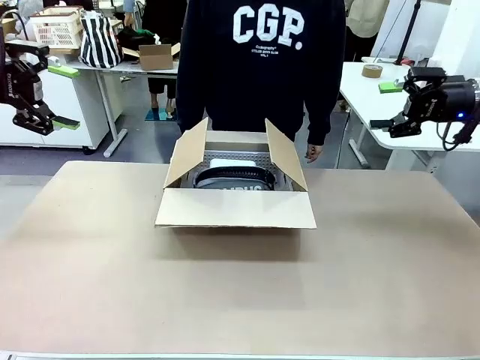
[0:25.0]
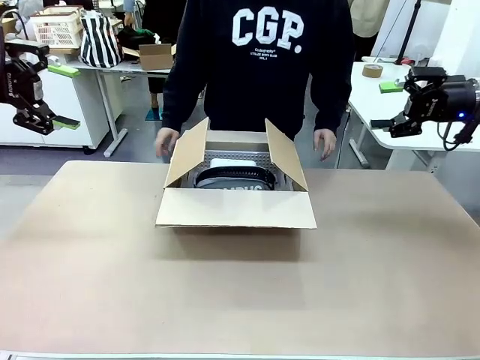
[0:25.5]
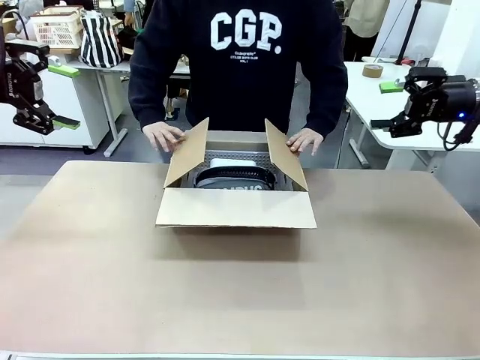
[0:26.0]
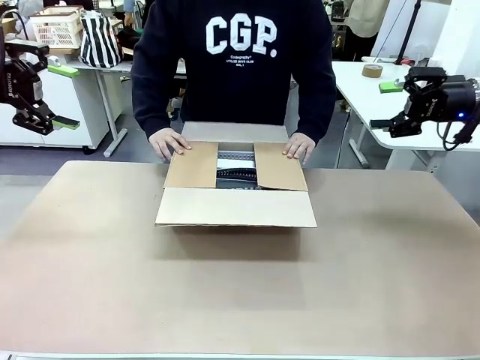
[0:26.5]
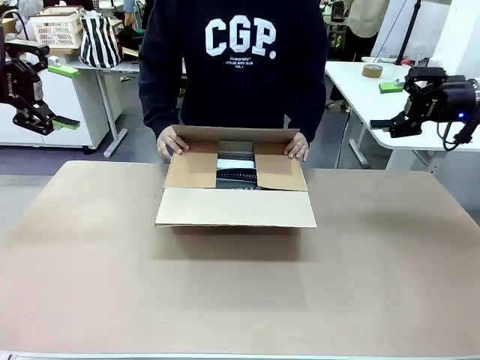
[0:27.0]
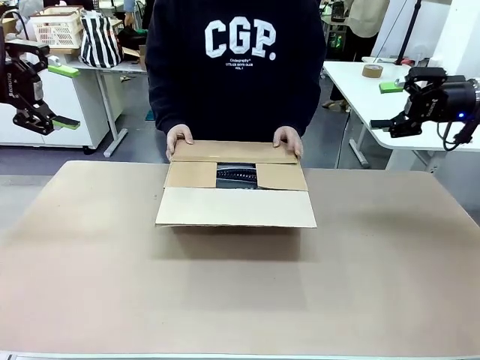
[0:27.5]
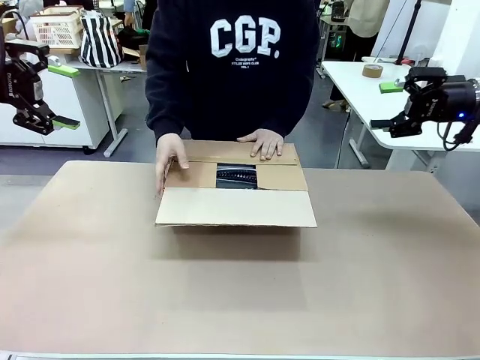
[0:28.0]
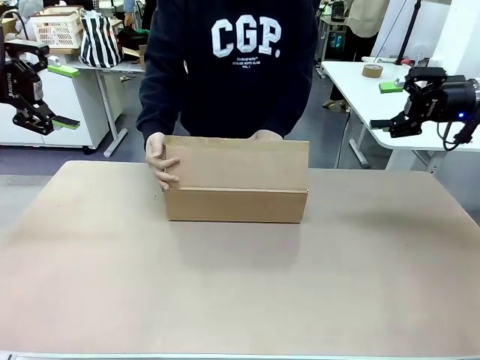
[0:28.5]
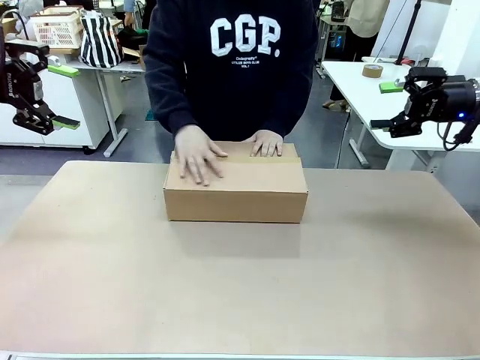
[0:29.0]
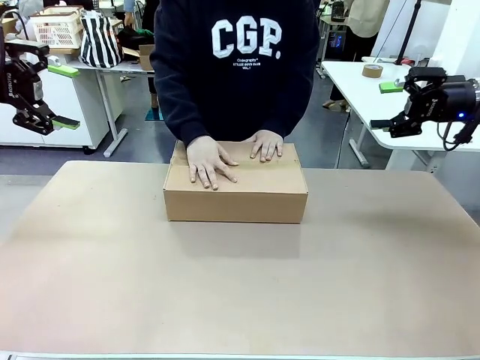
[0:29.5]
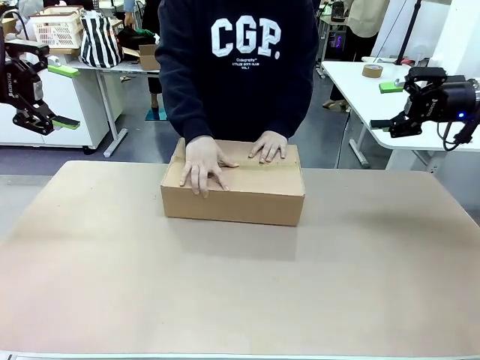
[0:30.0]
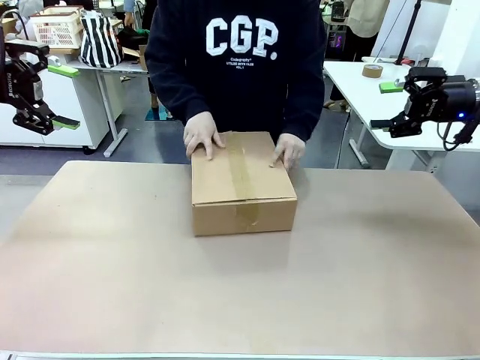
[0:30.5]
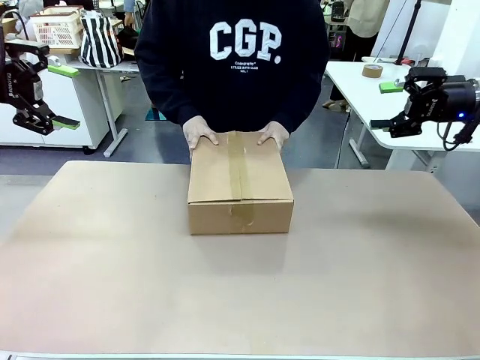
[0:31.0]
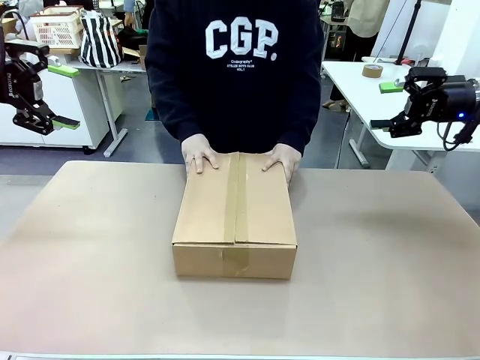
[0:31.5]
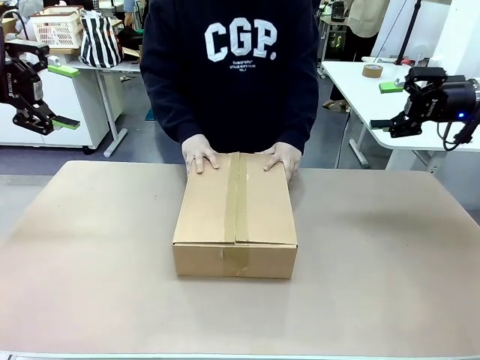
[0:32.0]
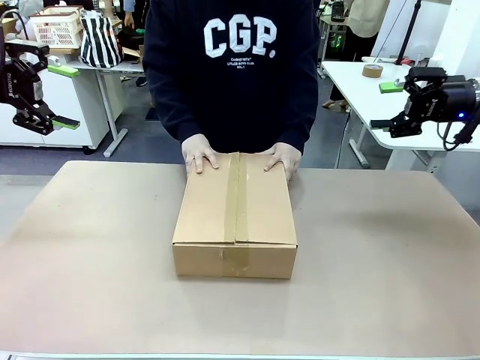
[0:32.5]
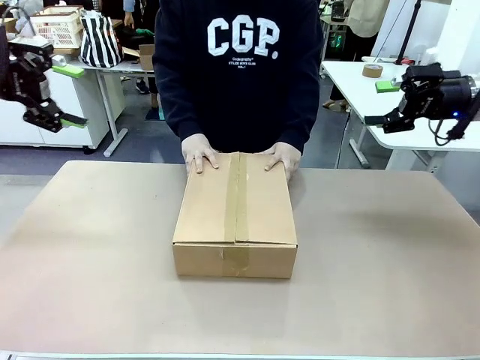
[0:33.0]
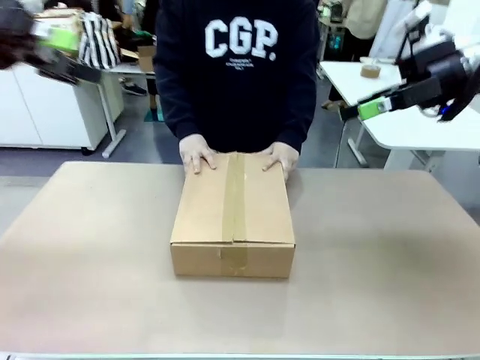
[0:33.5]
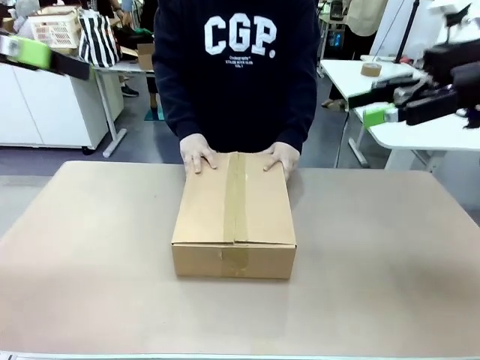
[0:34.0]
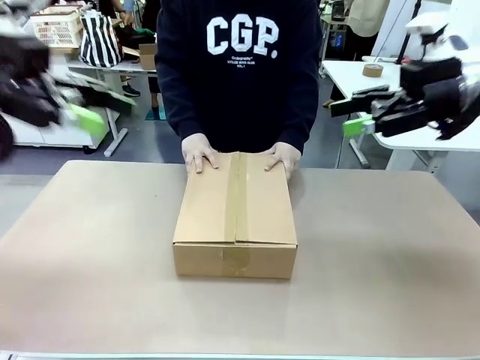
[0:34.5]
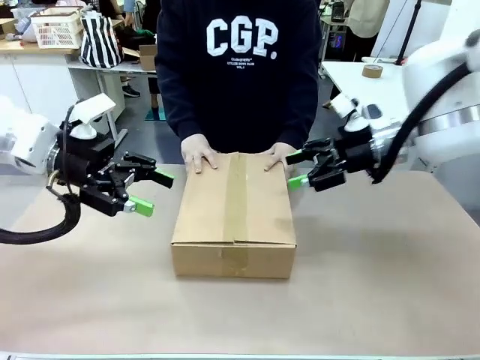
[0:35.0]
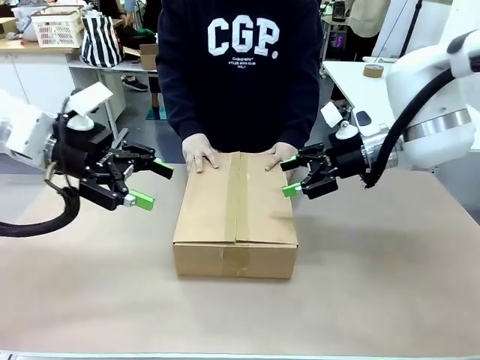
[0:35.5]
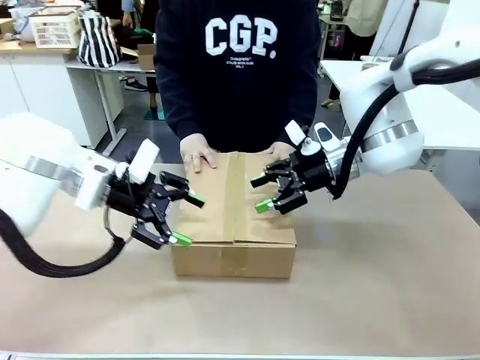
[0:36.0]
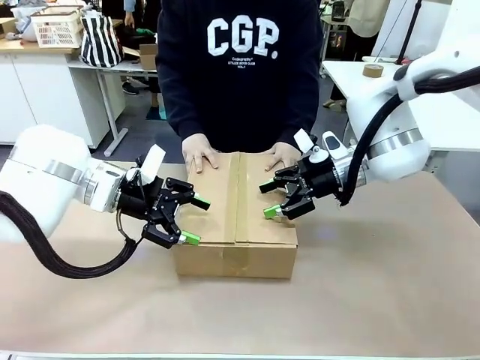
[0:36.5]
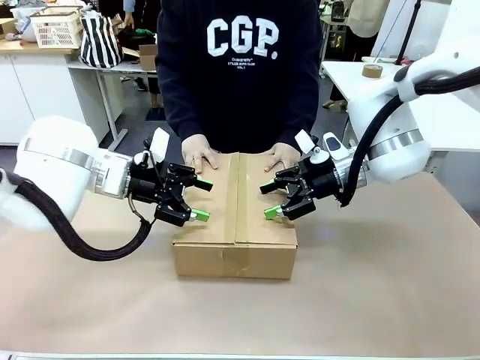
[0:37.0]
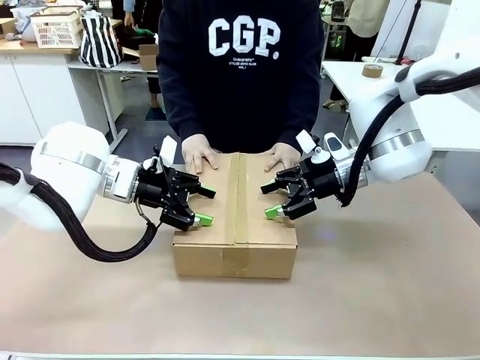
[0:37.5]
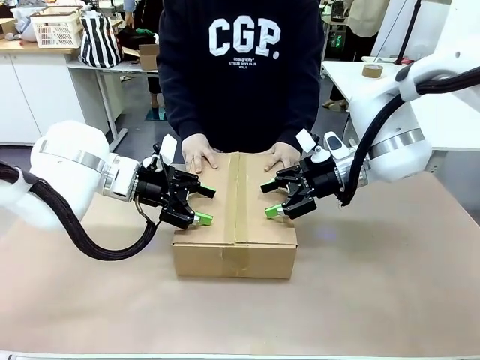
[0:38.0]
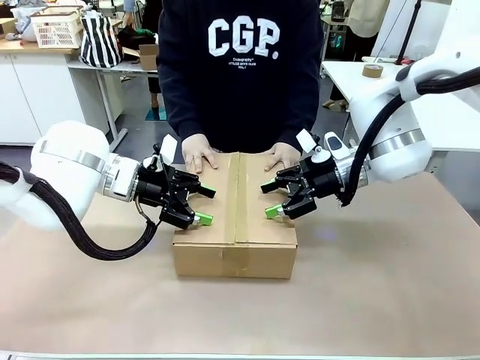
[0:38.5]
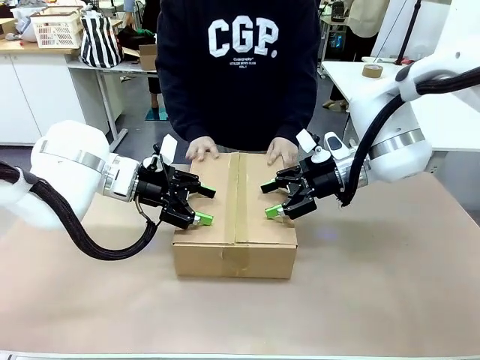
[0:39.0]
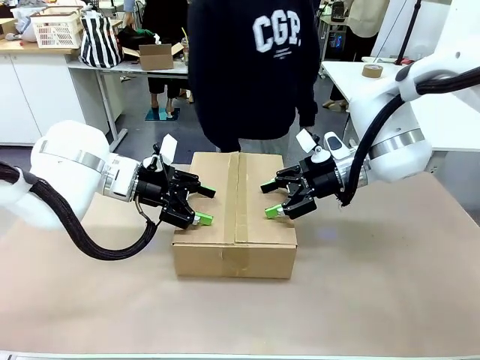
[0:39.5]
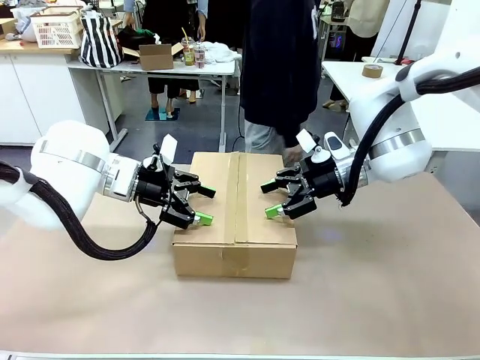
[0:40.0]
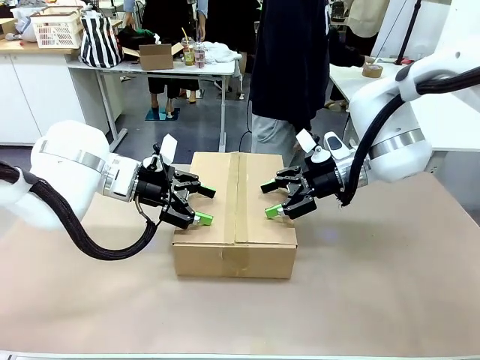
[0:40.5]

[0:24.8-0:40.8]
Task: Pack the gift set into the box.
Robot: Press and hold the closed box until the human finishes sealing it.
Person: The human closes the box and rotates the box by 90 degrees.

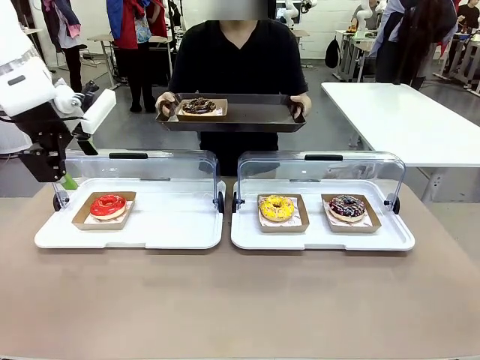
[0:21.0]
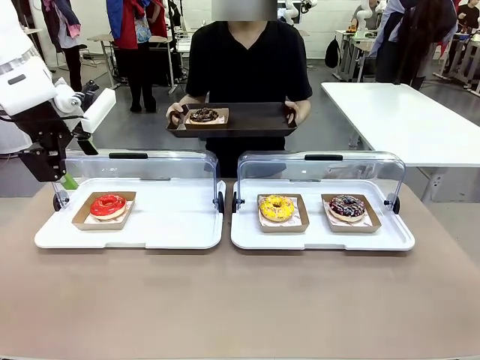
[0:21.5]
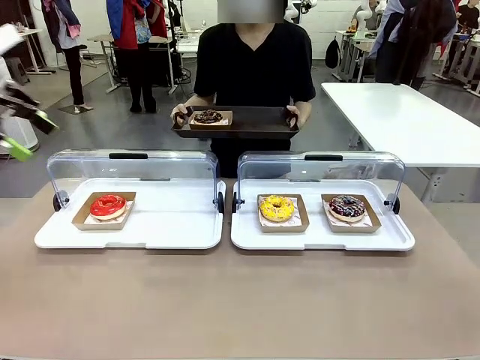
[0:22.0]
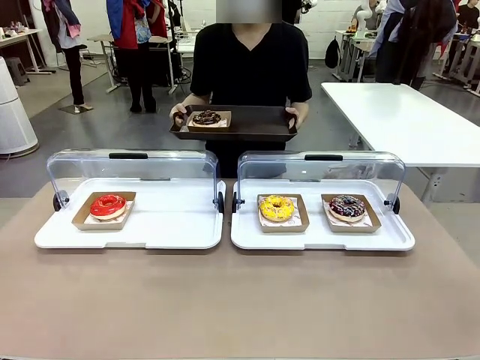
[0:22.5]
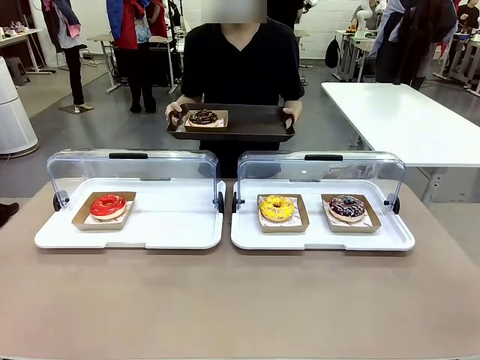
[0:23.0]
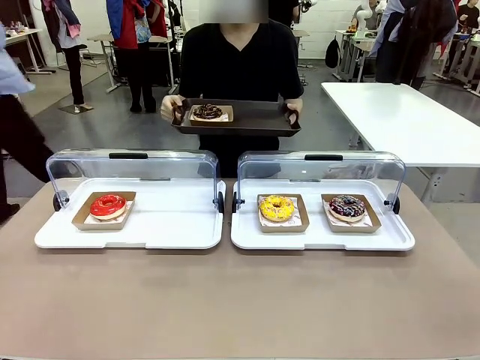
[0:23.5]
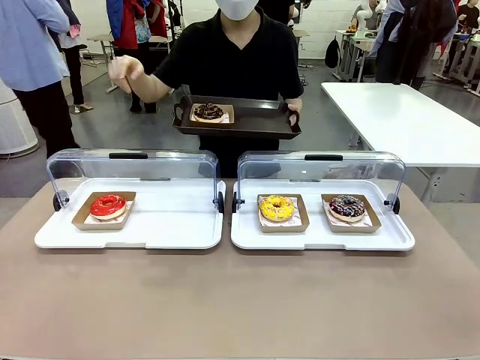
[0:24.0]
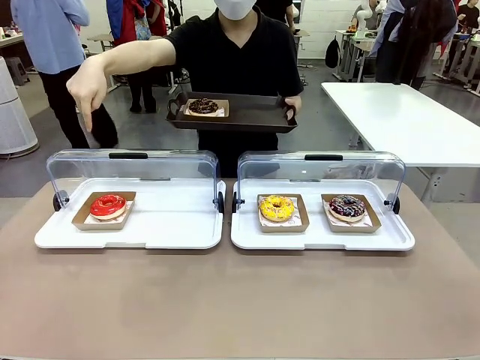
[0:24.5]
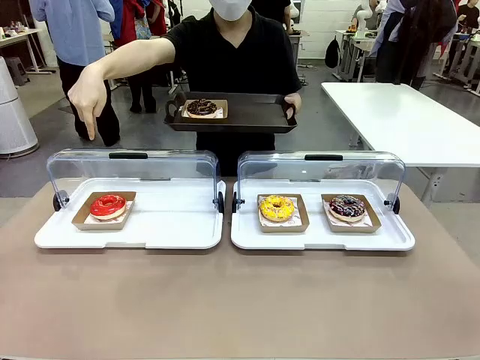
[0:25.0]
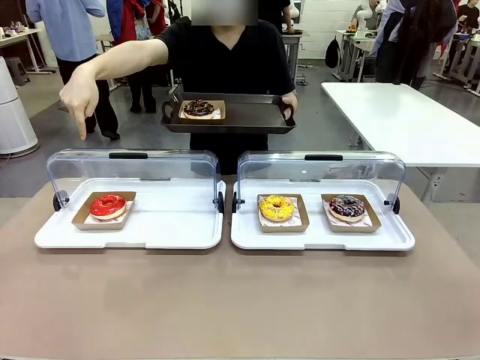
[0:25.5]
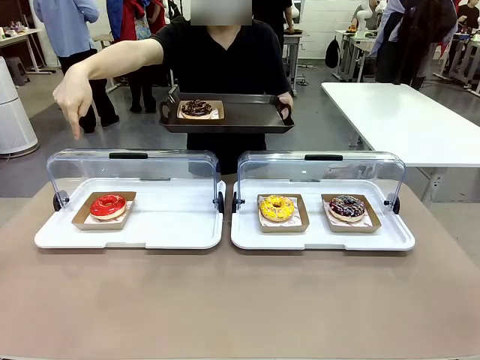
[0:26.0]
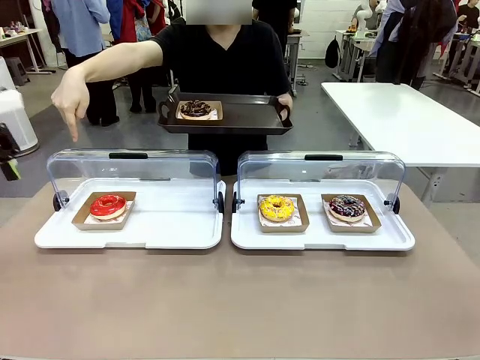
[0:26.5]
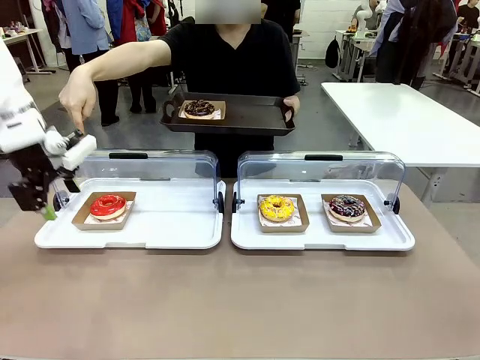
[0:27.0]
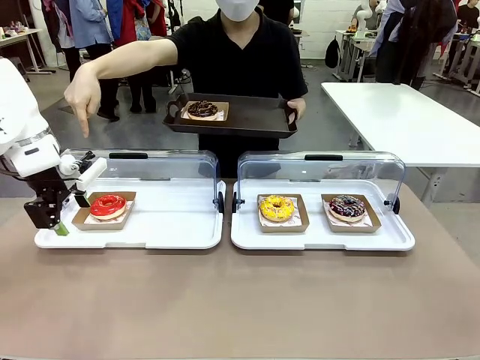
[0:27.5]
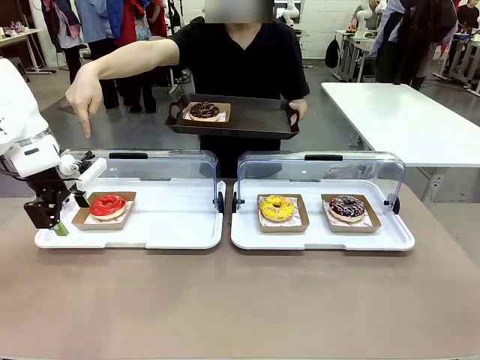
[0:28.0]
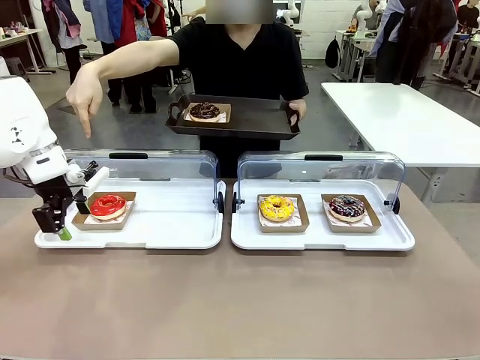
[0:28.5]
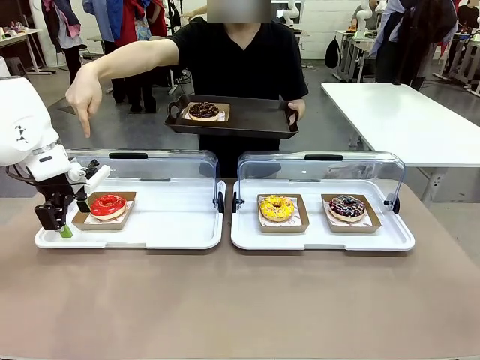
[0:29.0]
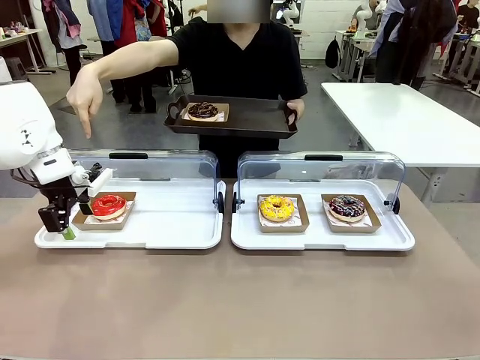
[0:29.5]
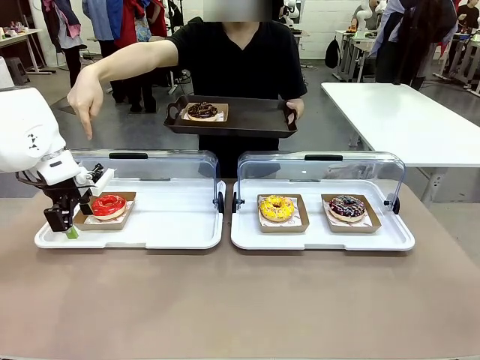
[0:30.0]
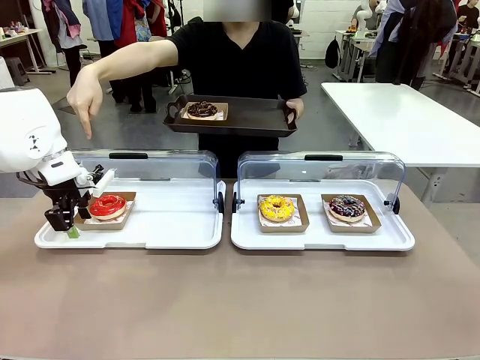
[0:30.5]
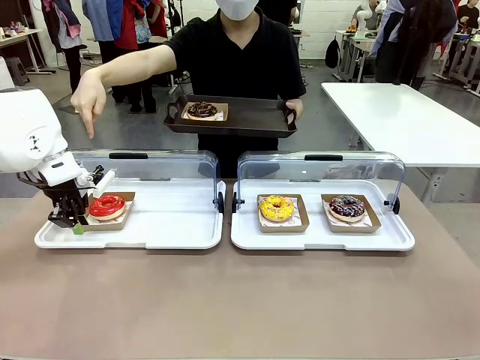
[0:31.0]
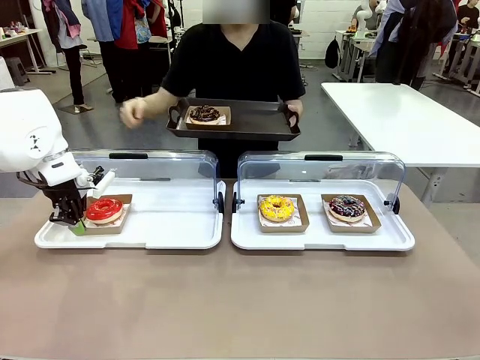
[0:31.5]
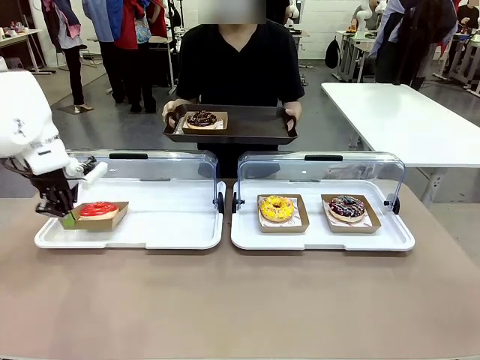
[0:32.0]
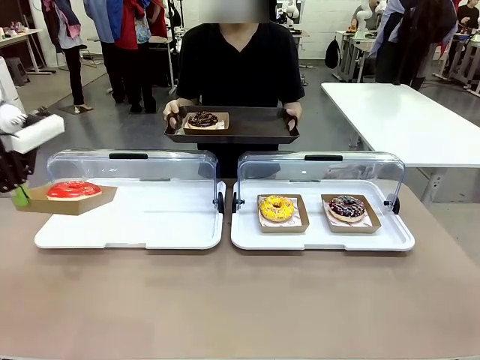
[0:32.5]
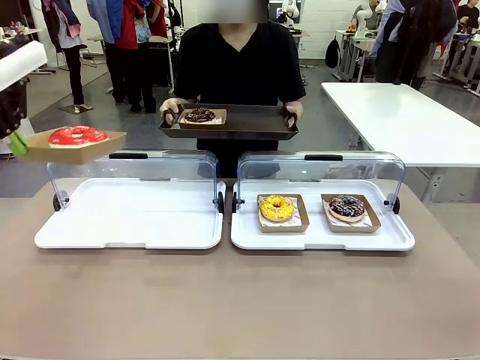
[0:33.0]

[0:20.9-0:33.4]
Task: Provide the desired donut to the person.
Robot: Pick up and lift the Paper togo box containing the Donut pointed at by the person.
Person: Point to one donut. Lift the tray onto the Roll-Top Bakery Case.
